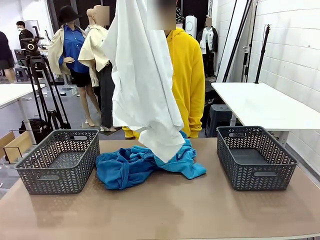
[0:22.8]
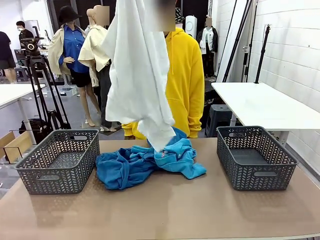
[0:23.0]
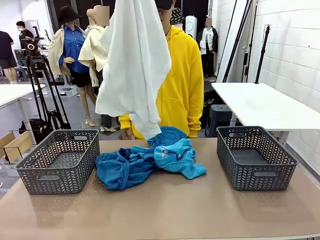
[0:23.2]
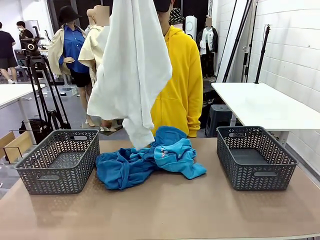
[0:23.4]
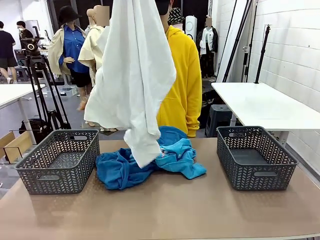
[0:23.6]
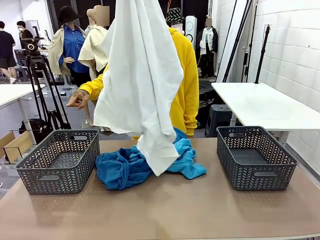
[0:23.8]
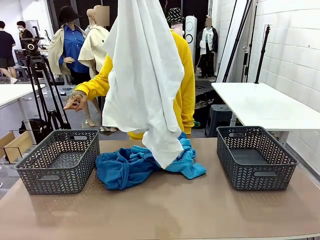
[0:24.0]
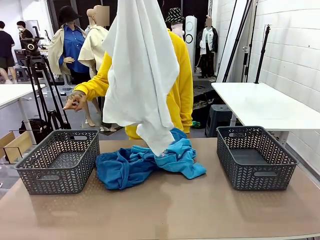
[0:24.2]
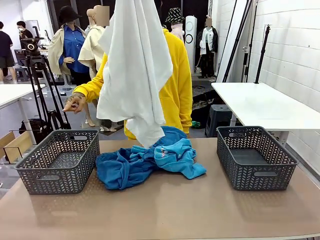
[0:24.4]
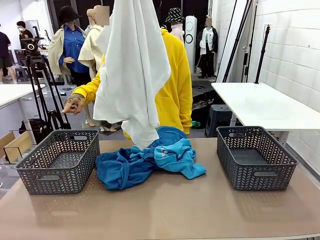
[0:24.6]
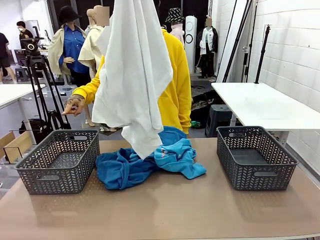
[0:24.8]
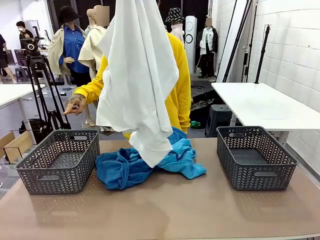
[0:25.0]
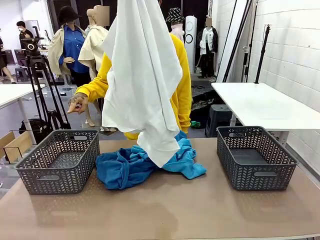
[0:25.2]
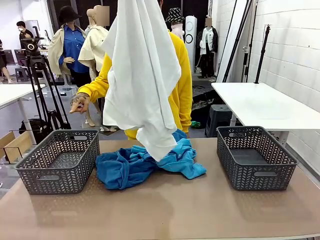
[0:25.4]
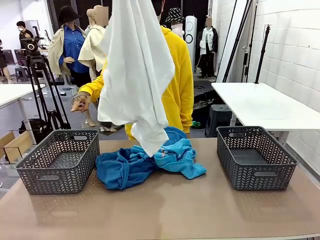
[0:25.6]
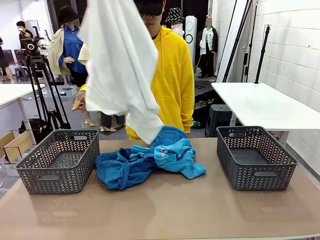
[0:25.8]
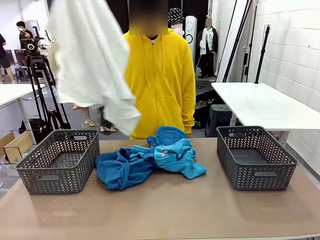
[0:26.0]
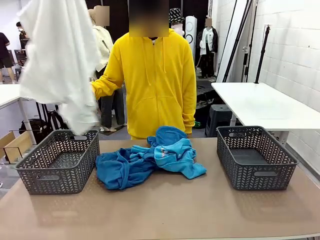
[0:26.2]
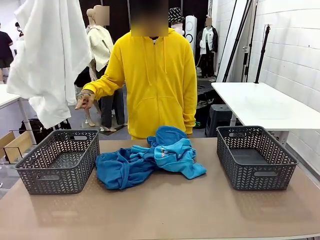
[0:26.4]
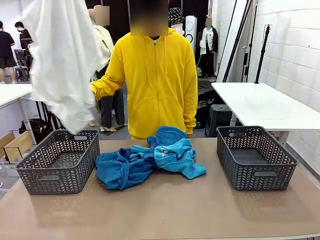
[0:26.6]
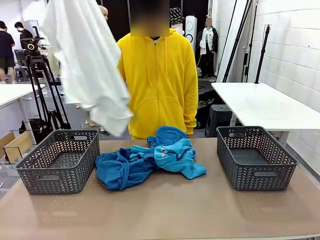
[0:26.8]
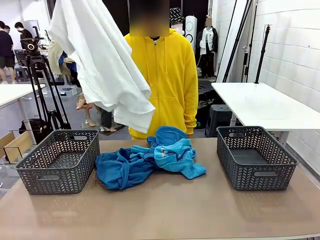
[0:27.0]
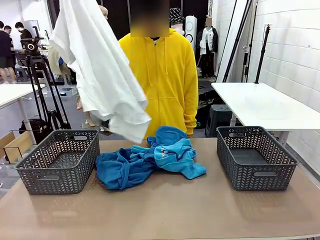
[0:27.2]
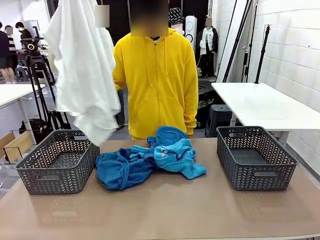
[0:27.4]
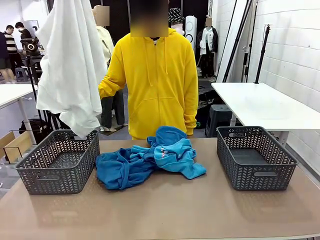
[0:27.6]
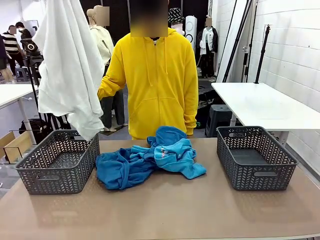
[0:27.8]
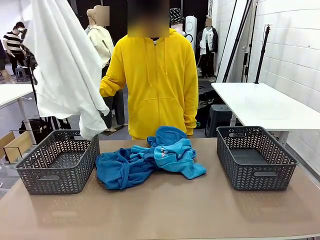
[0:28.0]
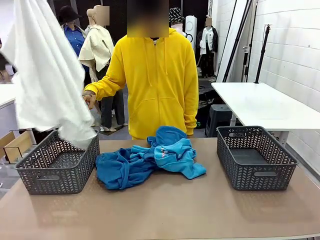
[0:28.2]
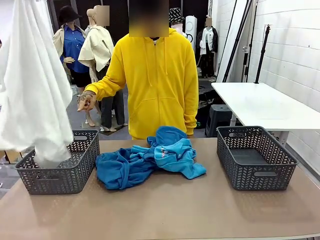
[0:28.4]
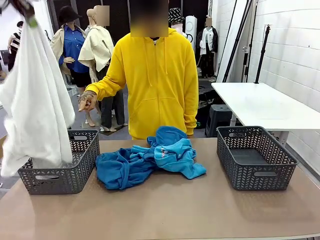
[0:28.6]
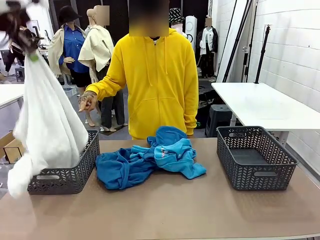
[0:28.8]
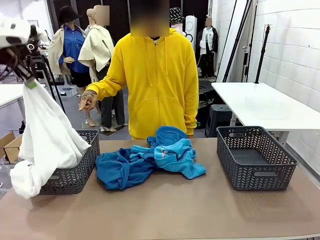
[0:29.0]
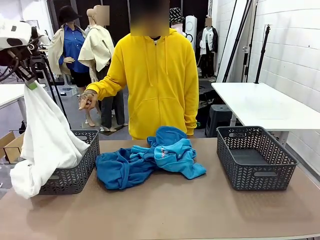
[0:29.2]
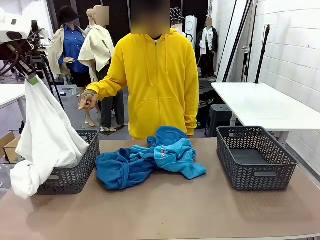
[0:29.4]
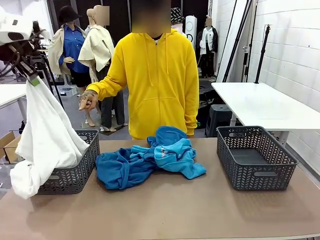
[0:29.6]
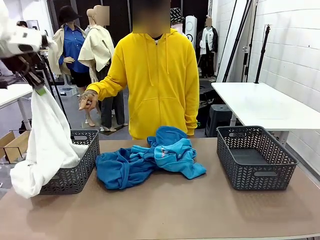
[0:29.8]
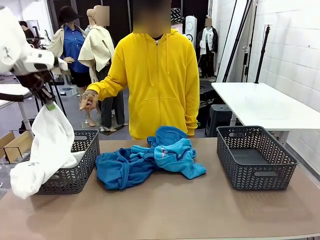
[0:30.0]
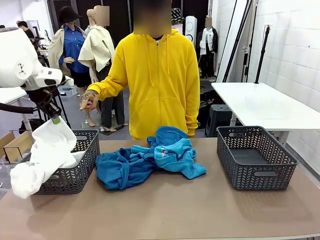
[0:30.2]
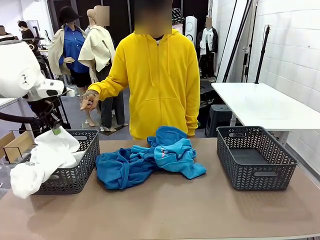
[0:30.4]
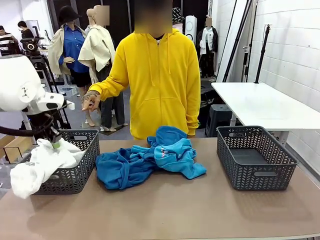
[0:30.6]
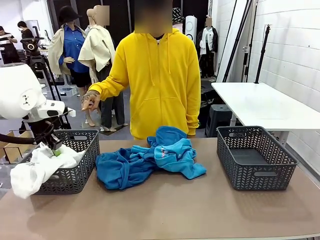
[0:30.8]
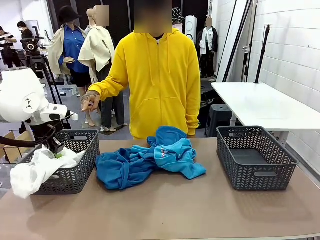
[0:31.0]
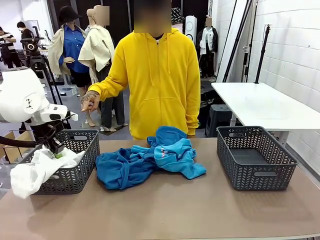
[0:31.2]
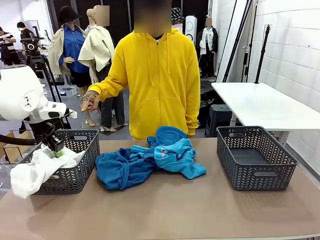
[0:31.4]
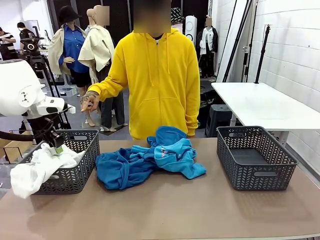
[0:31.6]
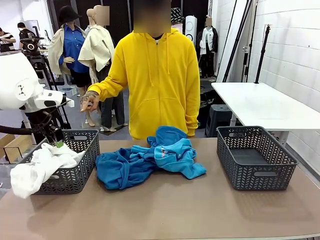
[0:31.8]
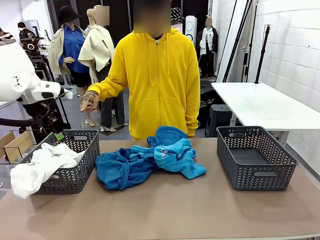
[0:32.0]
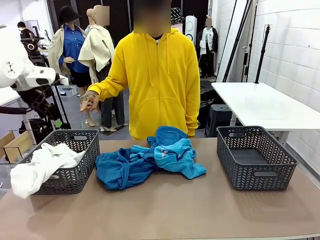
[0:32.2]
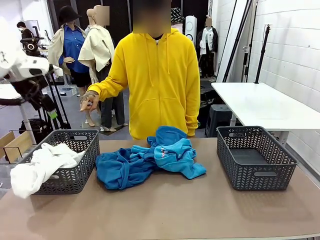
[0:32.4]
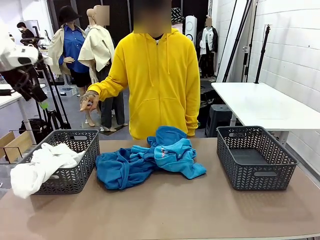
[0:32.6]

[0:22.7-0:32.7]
Task: Sort the tops and bottoms.
Robot: Sort the clothes according to human instructions.

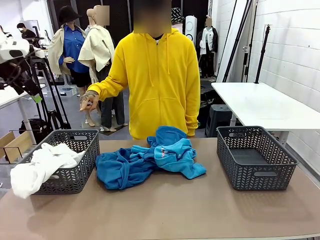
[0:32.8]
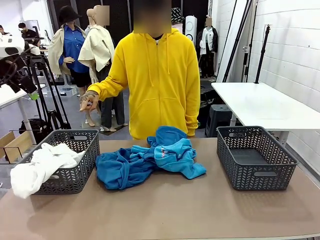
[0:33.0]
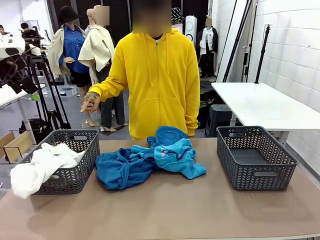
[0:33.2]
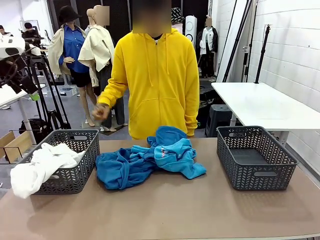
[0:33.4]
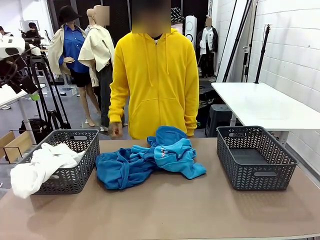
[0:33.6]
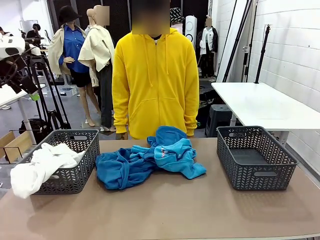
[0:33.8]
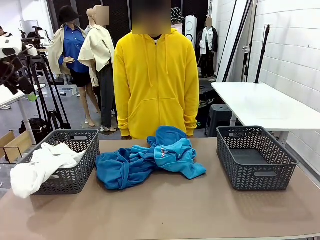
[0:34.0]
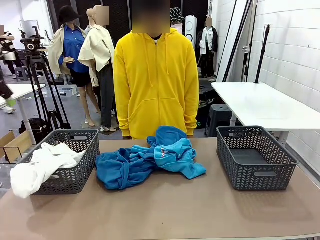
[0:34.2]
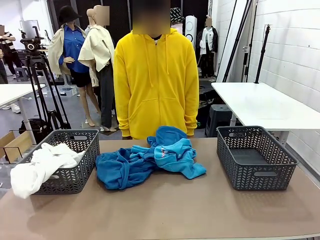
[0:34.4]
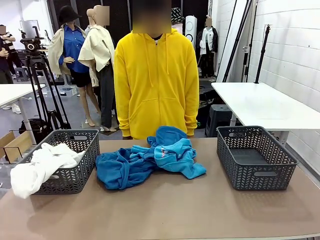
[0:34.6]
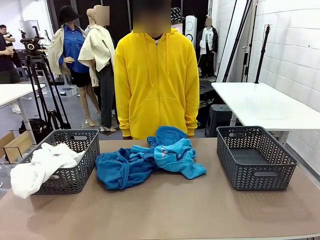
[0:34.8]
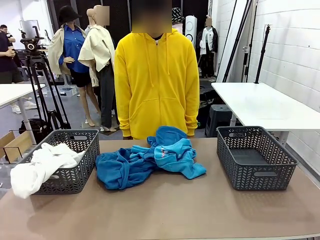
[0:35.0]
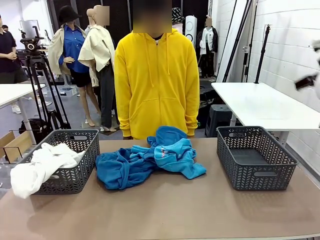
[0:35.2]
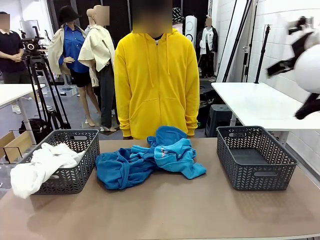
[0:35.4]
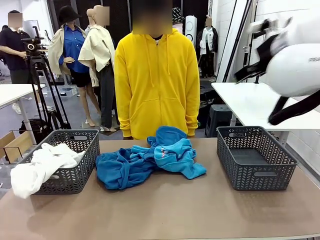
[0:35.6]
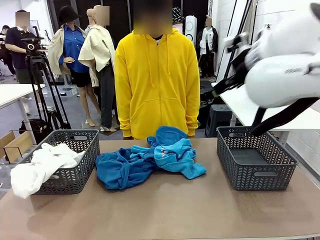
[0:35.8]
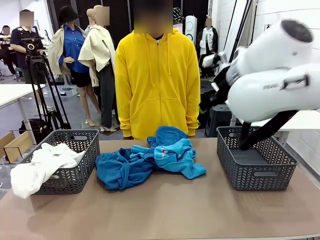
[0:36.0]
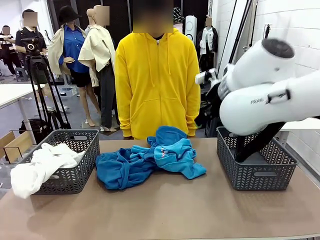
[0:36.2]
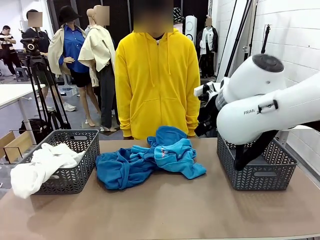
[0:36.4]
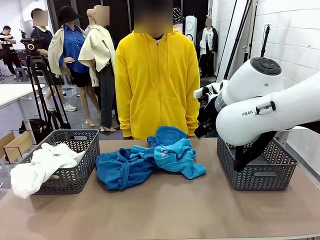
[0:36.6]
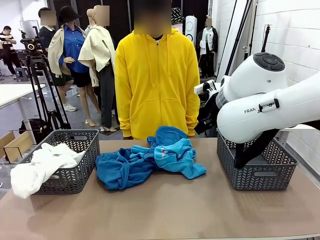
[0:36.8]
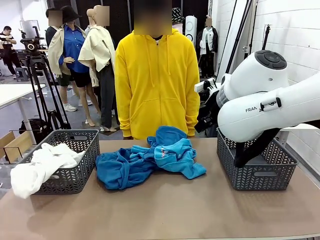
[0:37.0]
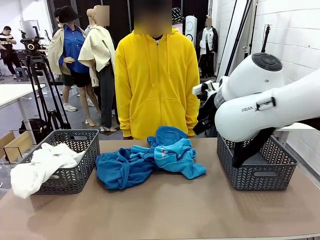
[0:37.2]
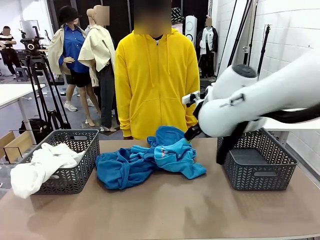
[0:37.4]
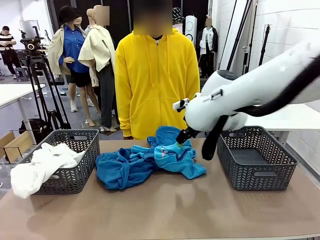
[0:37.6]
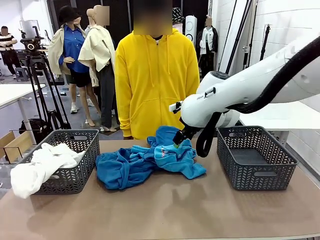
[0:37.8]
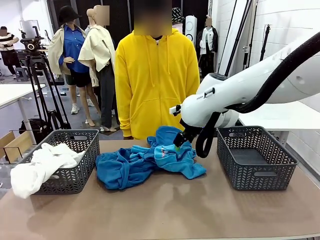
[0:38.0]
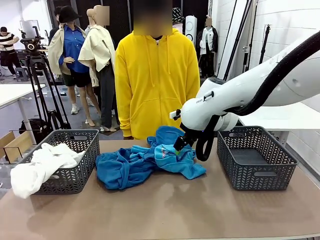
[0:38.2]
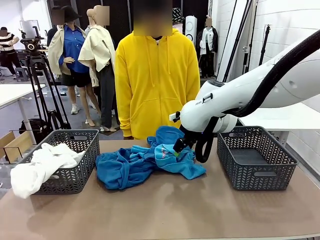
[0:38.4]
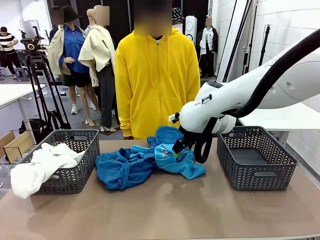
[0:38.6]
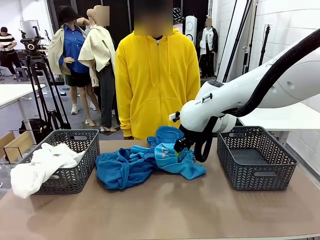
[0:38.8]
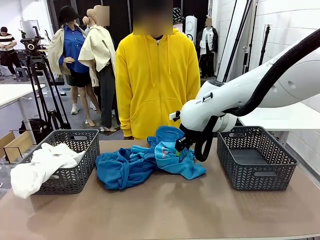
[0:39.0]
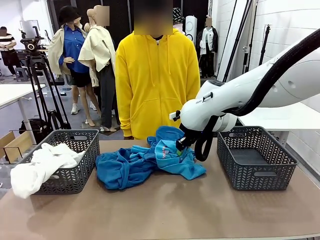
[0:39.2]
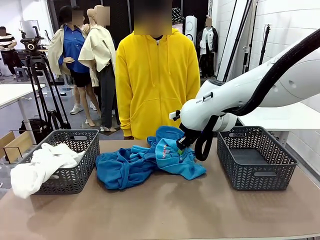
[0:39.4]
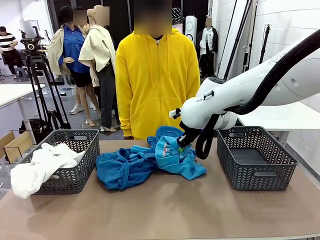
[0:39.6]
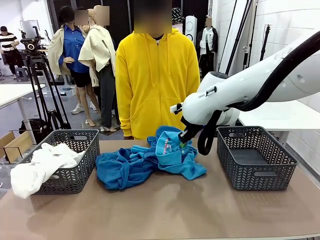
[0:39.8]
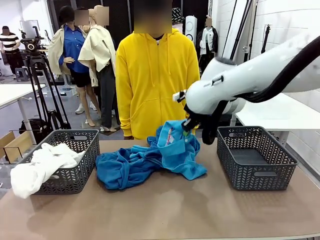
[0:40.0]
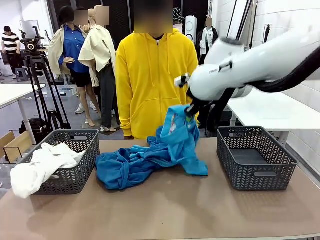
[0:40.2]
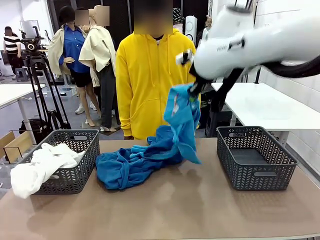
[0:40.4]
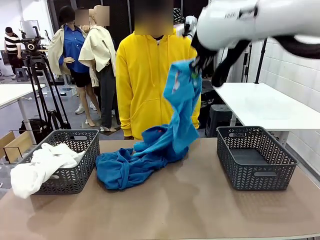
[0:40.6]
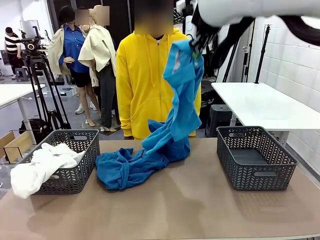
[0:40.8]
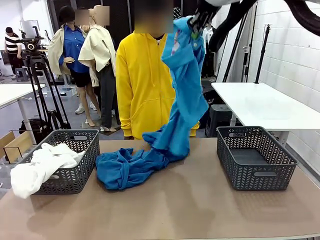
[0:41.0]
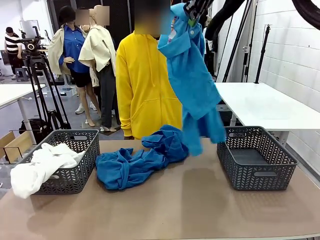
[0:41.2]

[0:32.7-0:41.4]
Robot: Lift clothes from the center of the table with your right hand.
